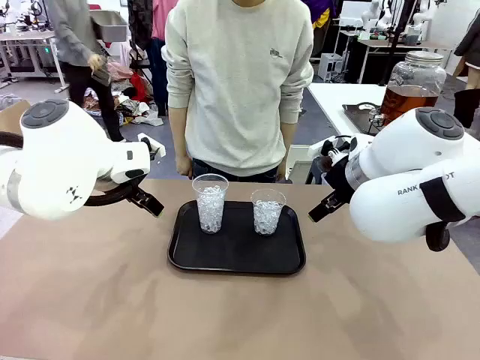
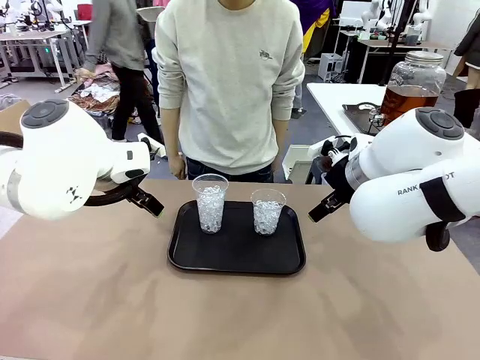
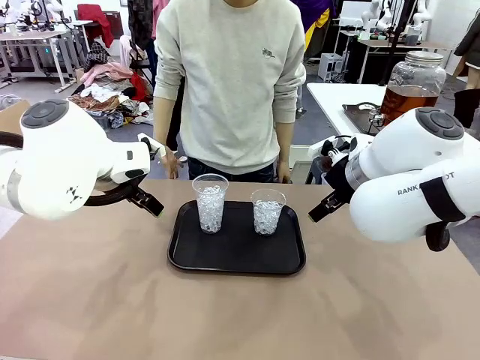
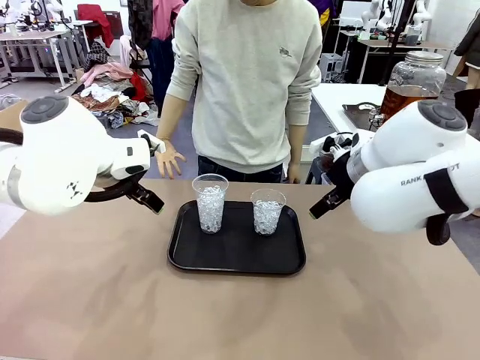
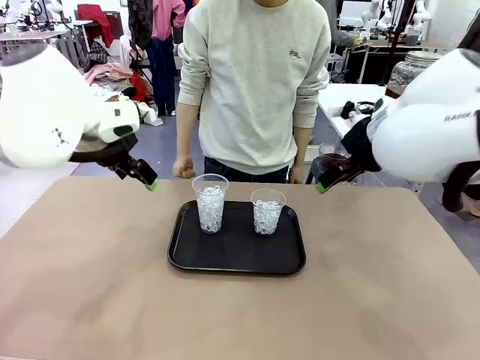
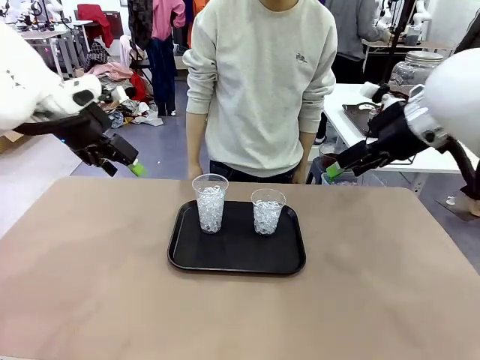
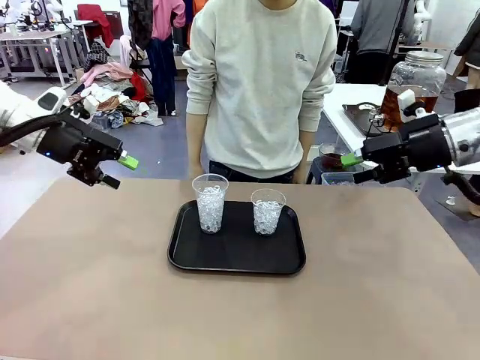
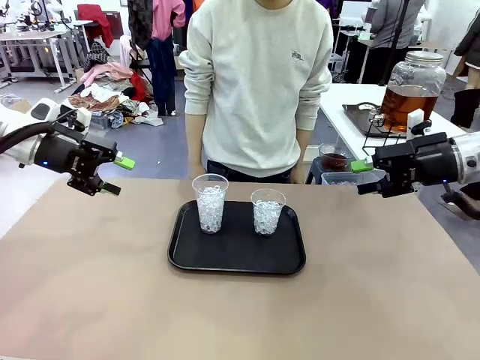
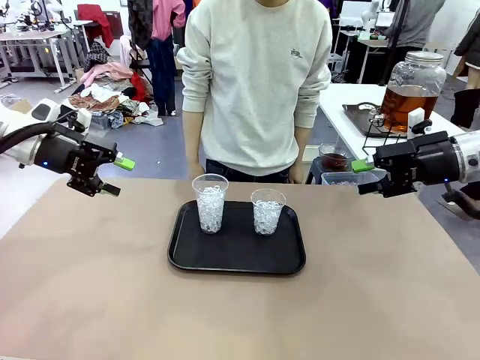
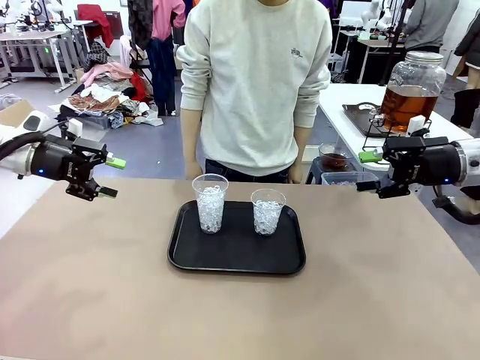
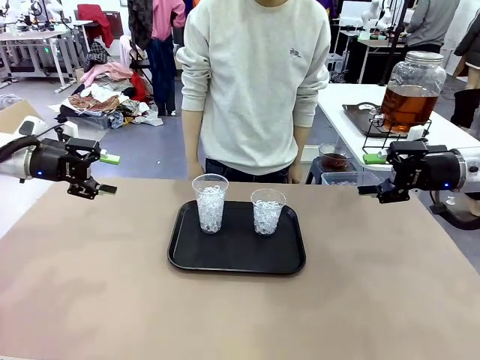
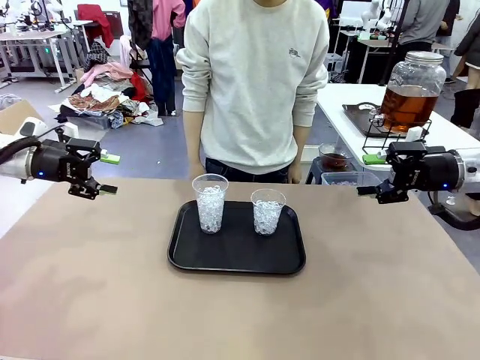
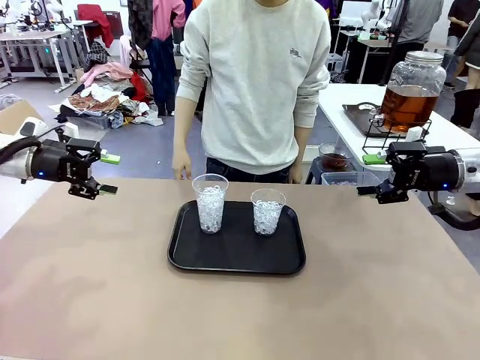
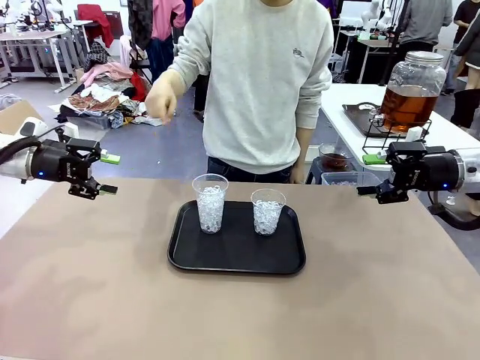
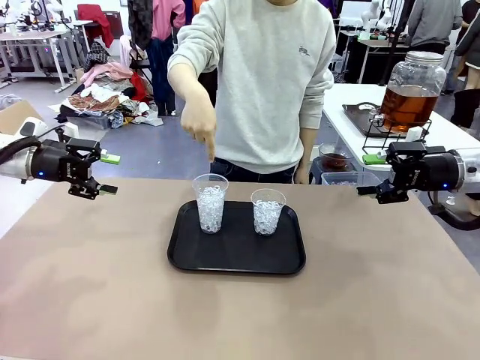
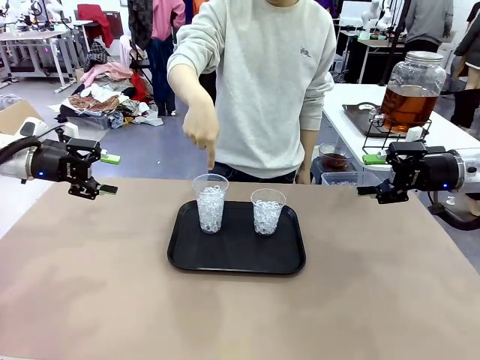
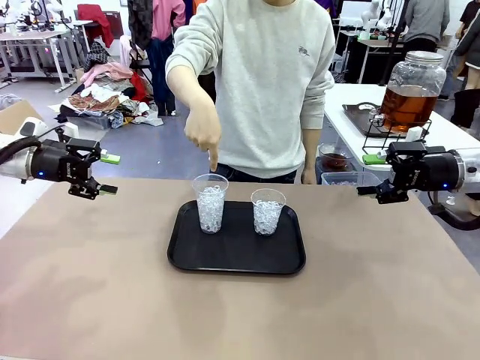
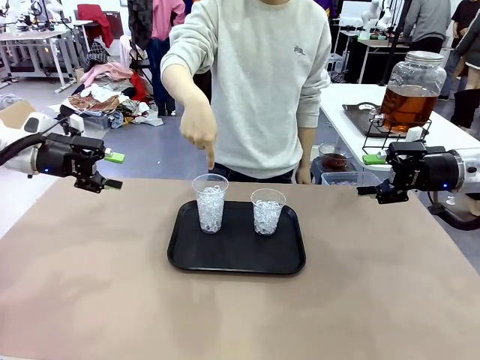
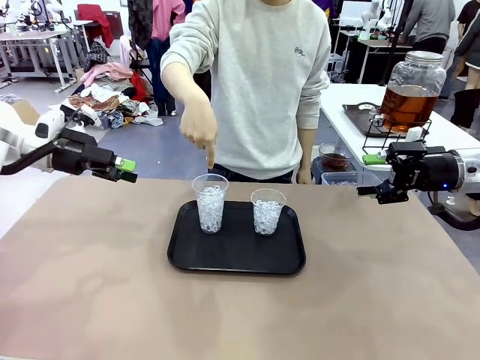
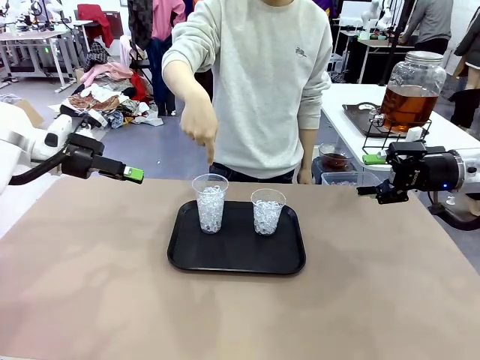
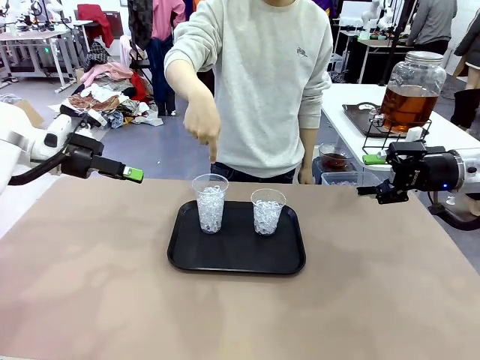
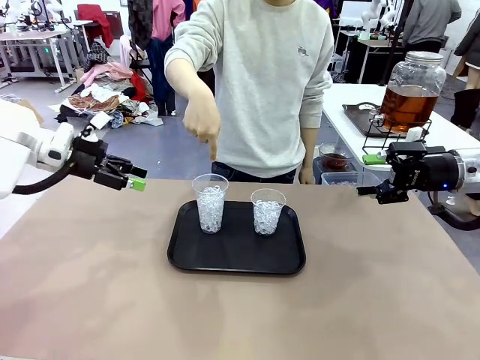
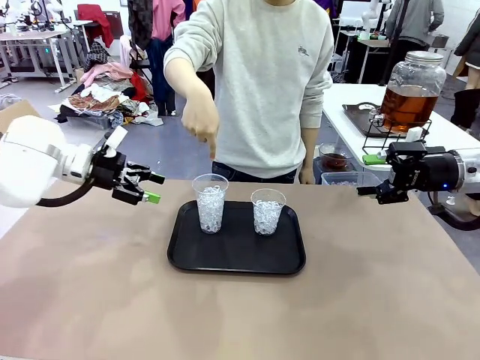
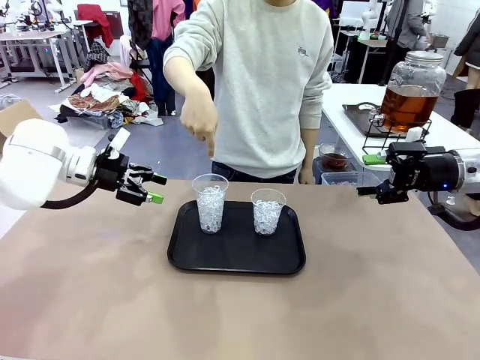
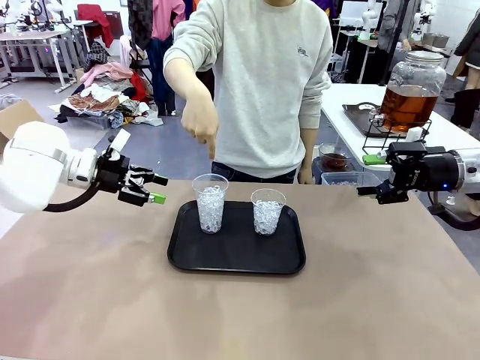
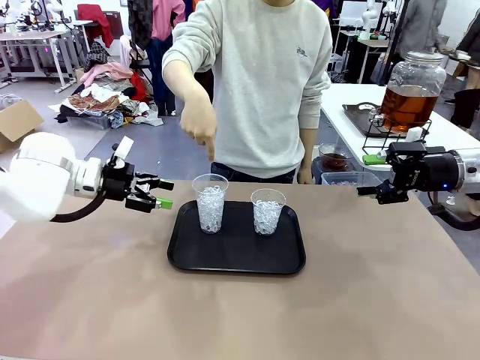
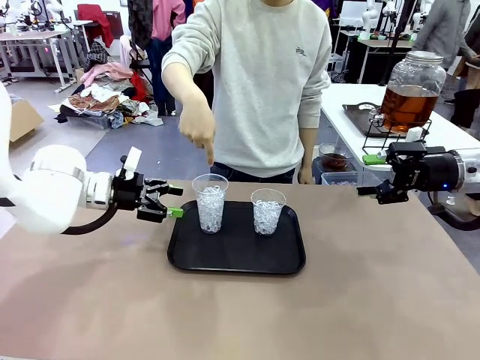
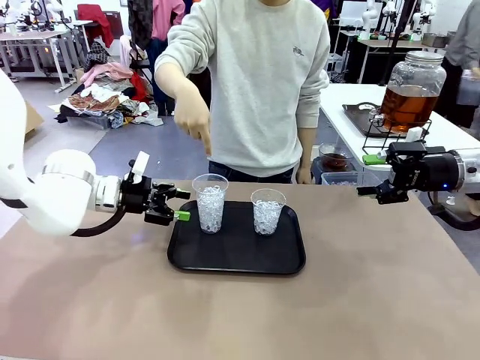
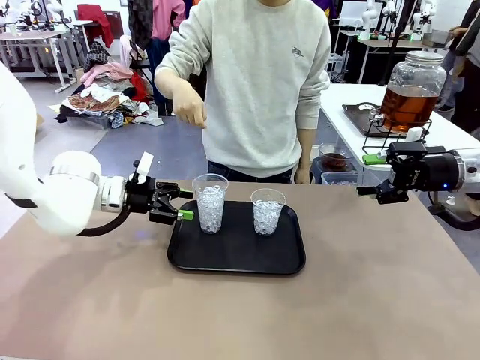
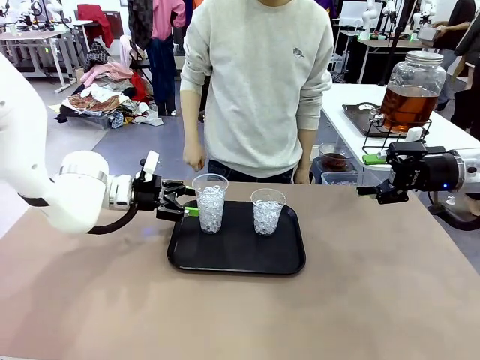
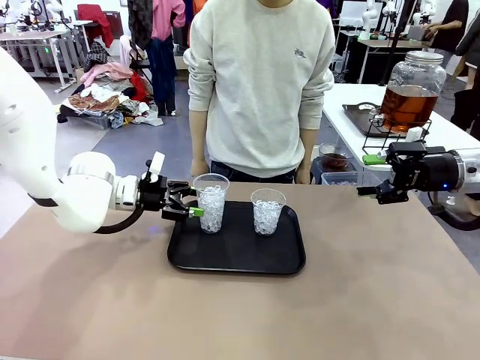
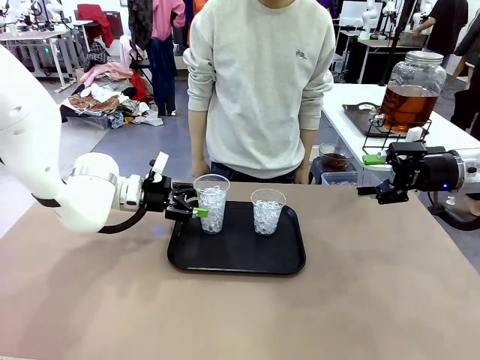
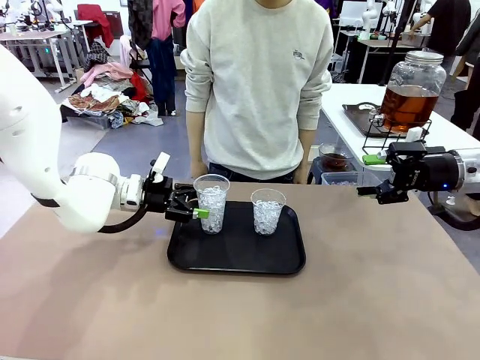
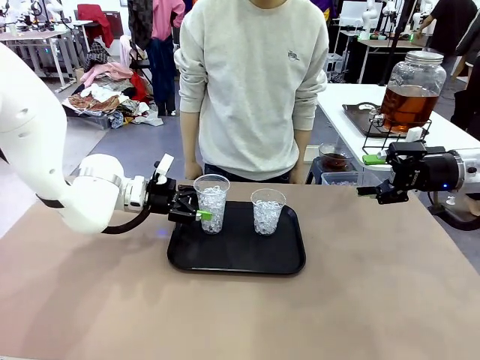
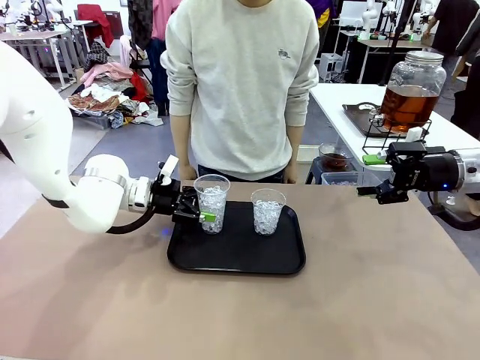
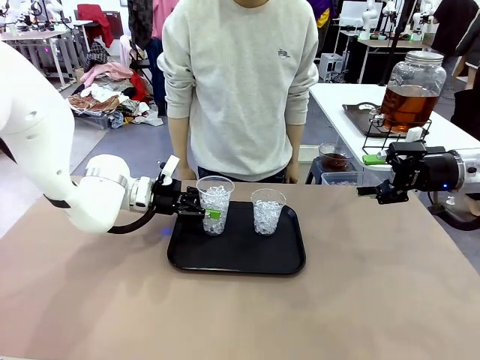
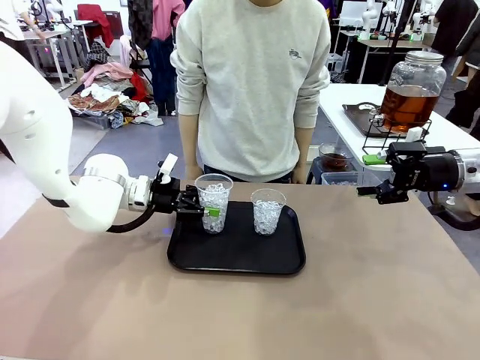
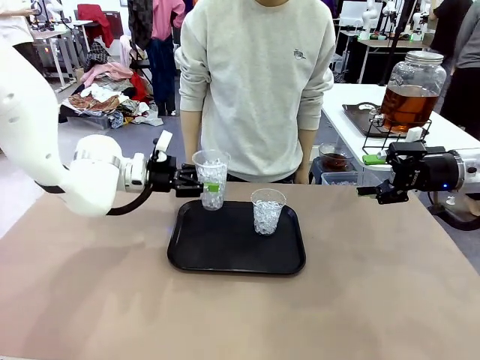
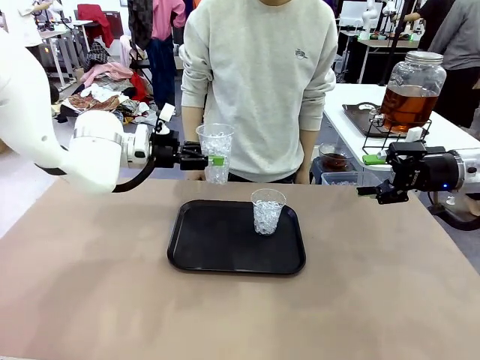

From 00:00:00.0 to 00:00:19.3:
Task: Pour the drink into the iced cup.
Robot: Pick up the iced cup indicated by the human and present it to them.
Person: Point to one of the two ice cups. Pick up the cup offered by the robot.

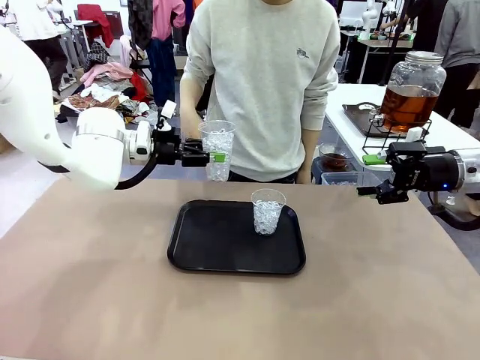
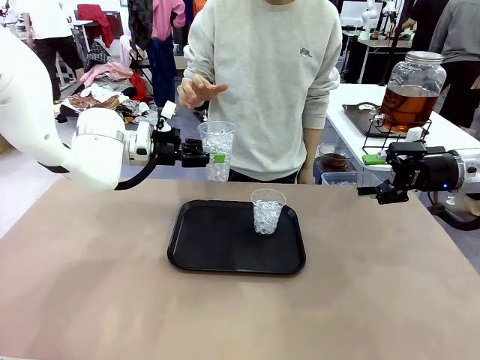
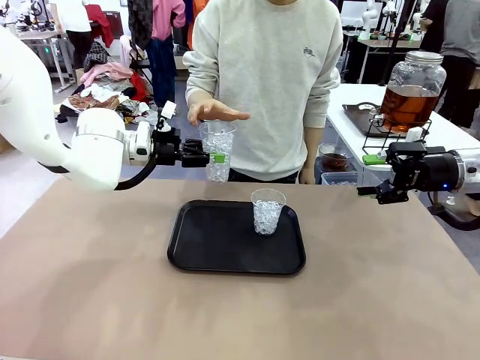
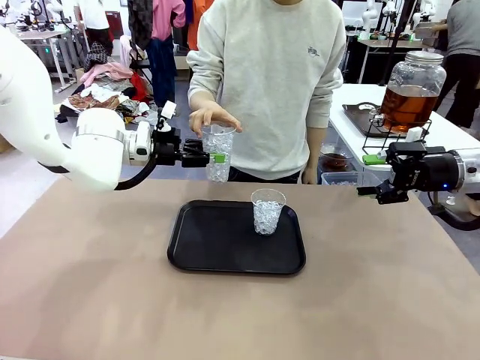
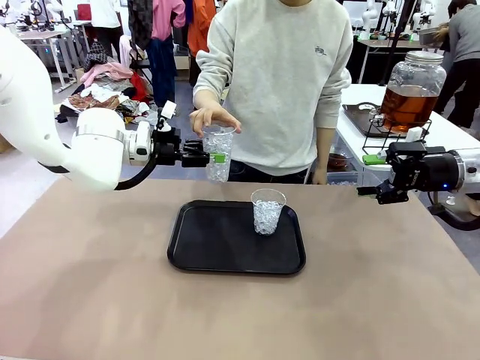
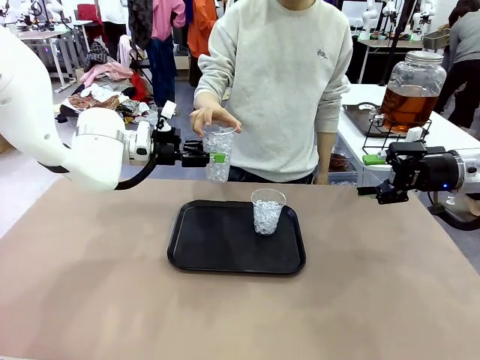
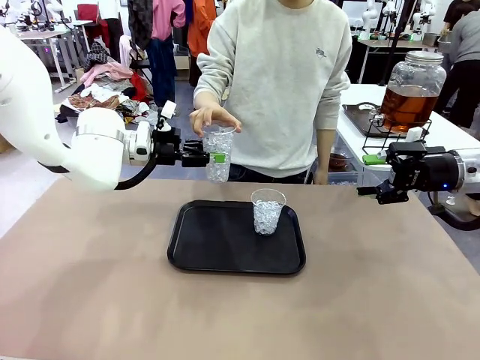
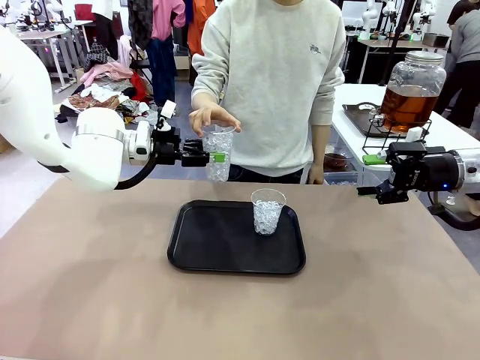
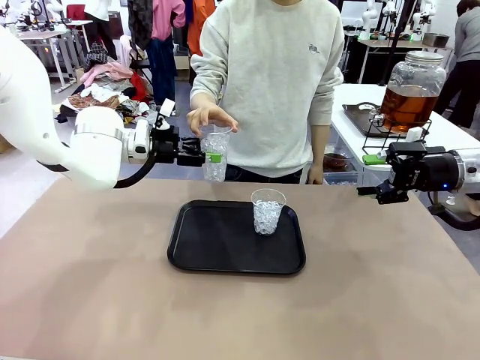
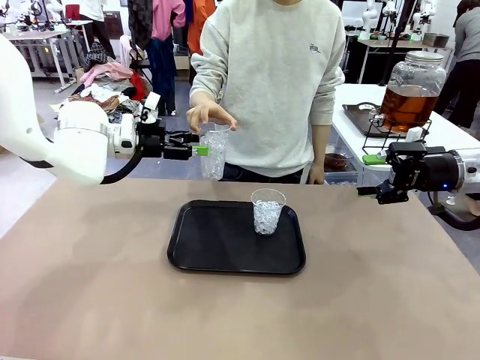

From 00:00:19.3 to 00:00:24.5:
Robot: Open the gripper to release the iced cup you were holding.
